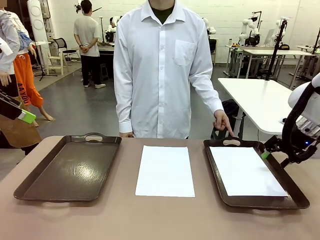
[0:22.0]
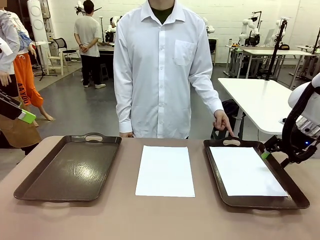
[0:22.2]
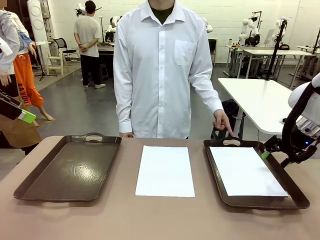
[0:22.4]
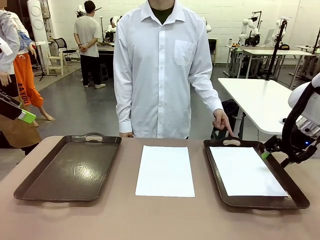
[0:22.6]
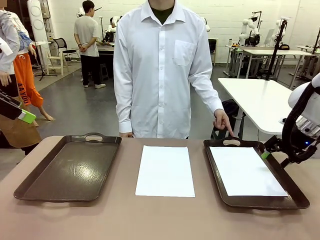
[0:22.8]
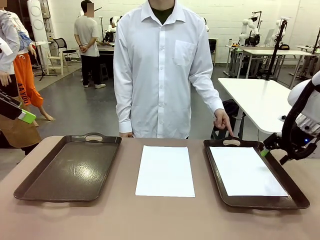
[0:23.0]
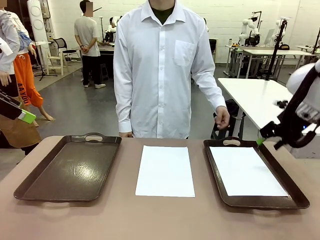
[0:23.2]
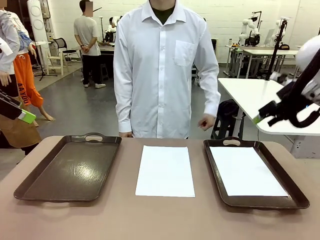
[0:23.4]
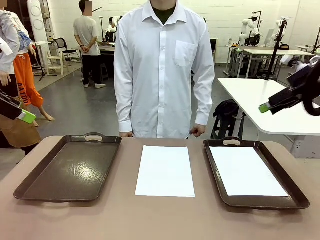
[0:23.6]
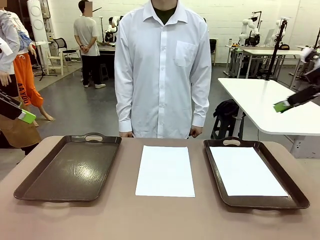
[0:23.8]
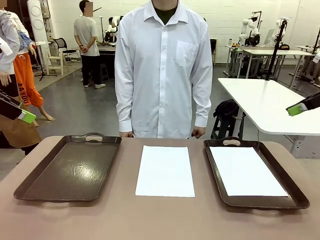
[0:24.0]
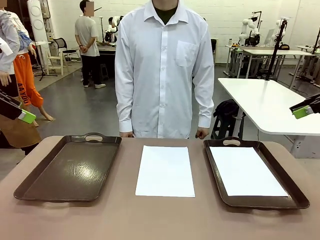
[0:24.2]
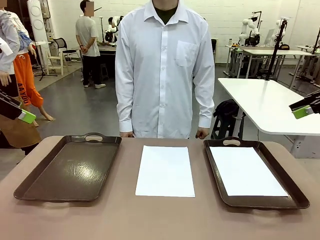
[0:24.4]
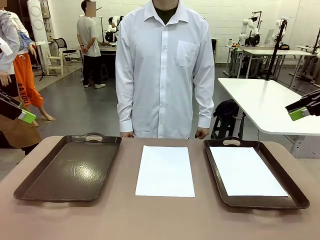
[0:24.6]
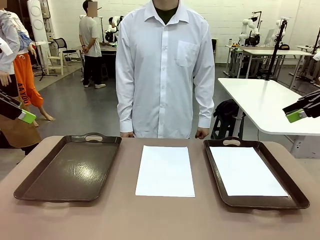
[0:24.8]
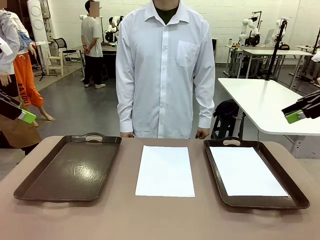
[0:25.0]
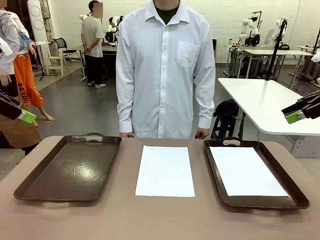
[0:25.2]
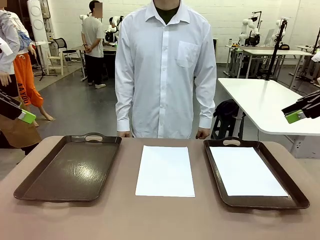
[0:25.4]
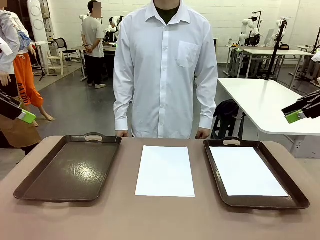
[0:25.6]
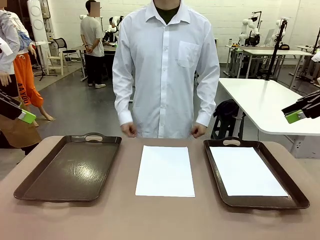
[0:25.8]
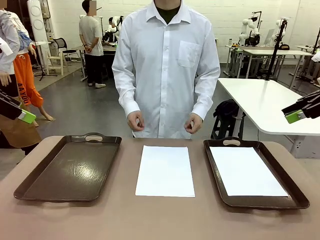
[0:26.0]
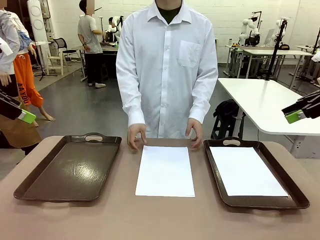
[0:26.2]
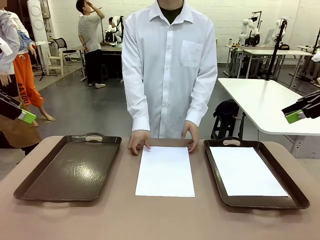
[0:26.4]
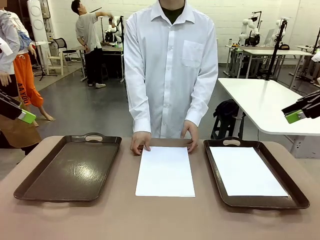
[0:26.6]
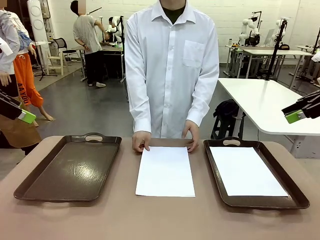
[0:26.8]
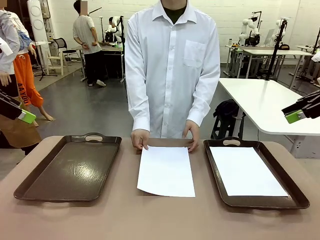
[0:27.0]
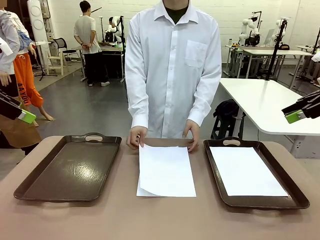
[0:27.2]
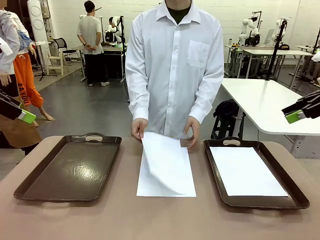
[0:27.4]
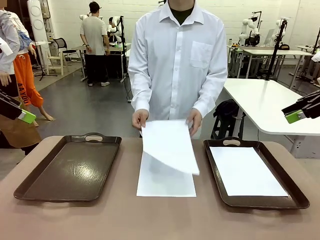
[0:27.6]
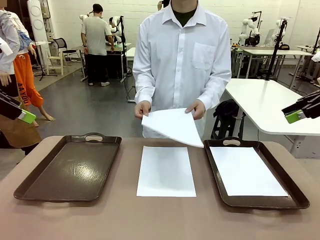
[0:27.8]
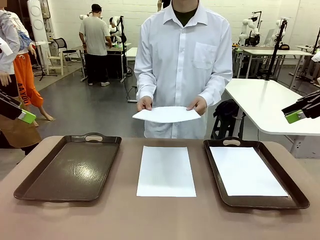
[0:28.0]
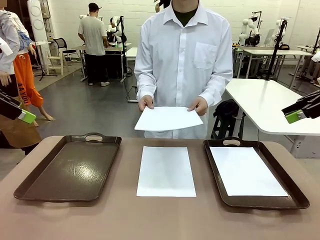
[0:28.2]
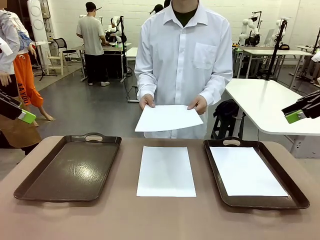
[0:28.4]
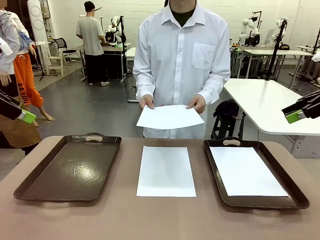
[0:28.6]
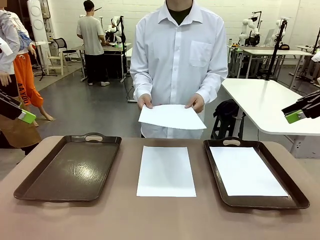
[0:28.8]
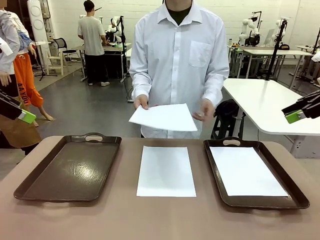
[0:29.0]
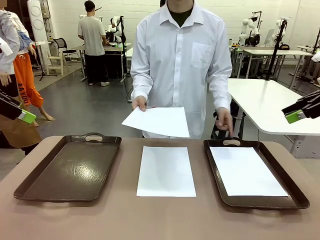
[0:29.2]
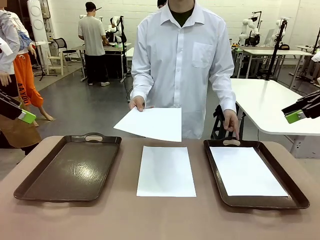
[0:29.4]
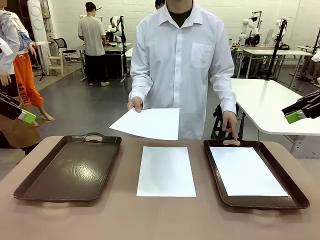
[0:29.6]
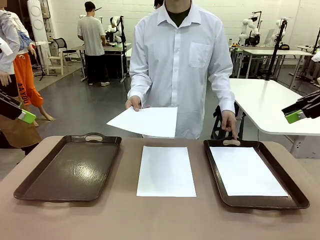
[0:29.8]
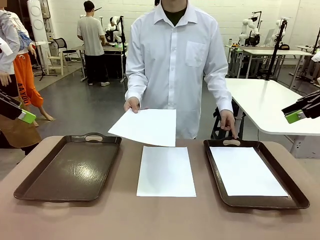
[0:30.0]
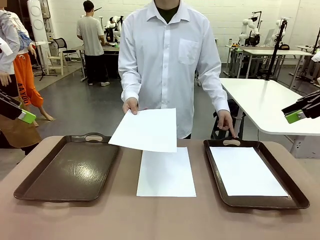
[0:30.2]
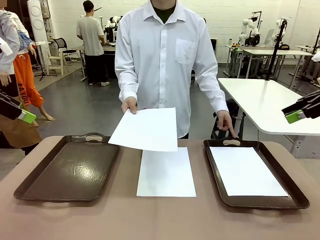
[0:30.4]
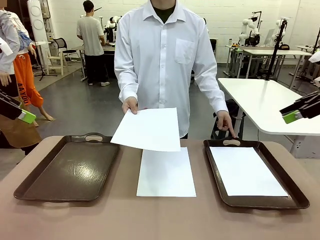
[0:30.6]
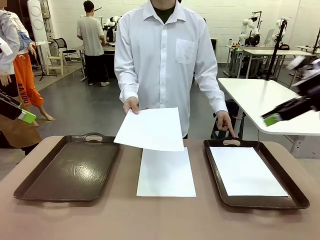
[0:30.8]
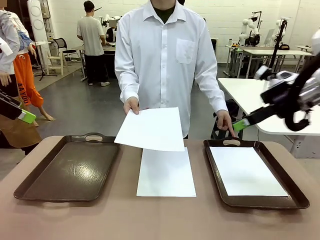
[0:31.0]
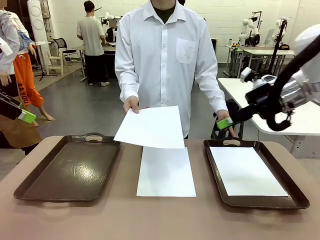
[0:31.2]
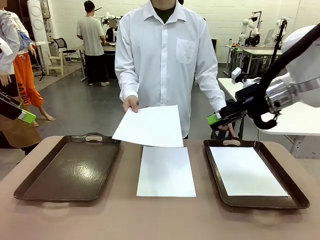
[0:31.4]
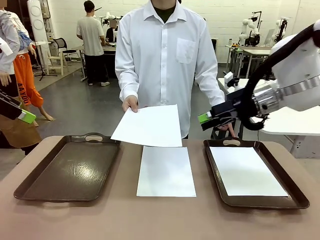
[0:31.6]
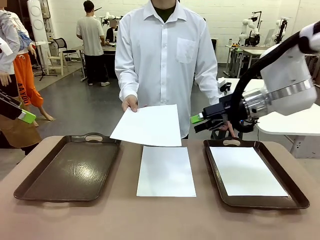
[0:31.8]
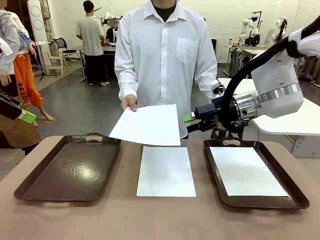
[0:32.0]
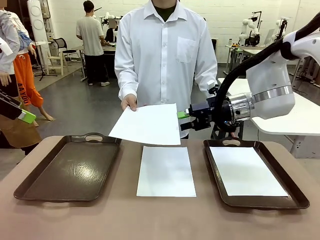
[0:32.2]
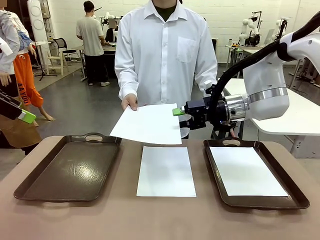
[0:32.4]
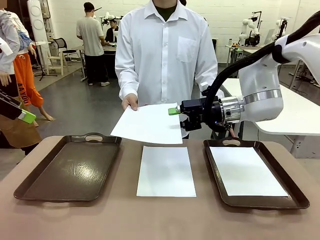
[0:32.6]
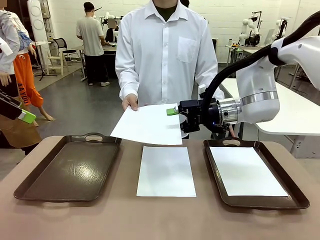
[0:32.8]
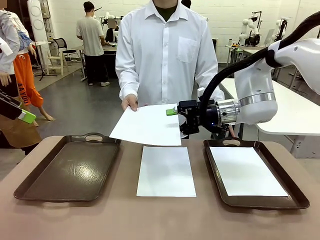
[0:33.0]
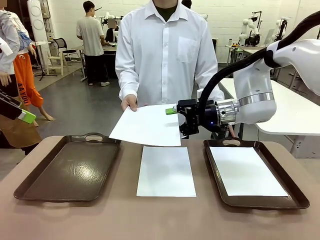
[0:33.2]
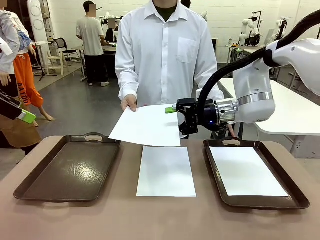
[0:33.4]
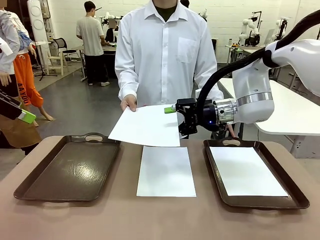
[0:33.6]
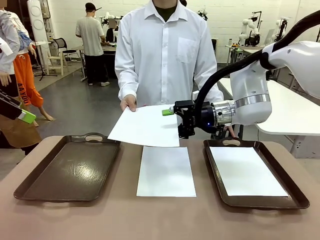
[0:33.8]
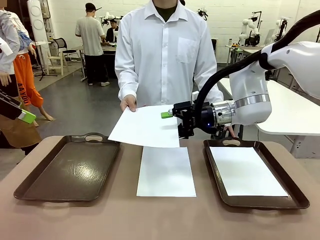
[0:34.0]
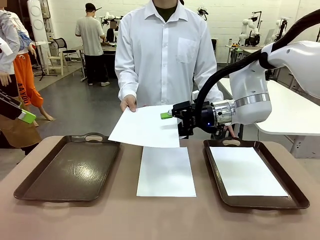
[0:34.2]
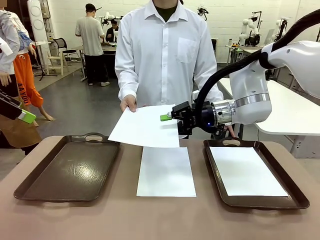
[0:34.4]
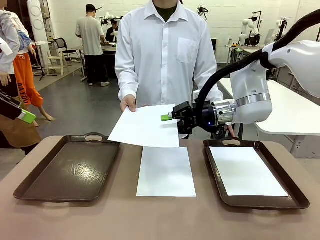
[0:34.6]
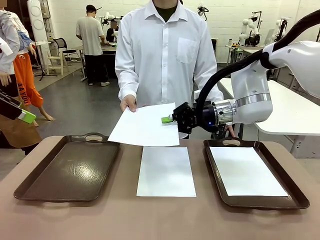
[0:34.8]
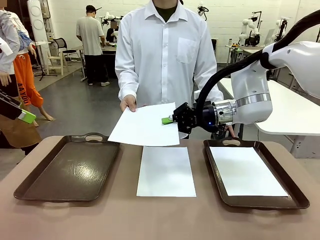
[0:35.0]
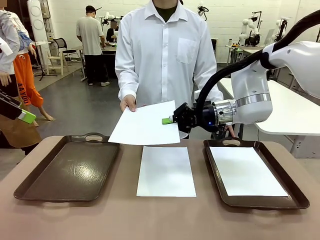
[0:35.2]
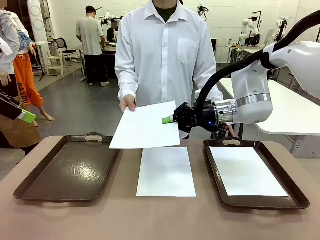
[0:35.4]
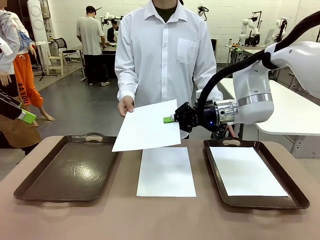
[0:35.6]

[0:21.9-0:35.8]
Task: Sort the A4 documents.
Robot: Receive the A4 Paper.
Person: Point the randomly selected tray with the other hand.

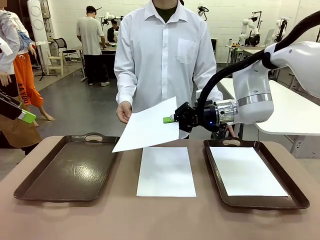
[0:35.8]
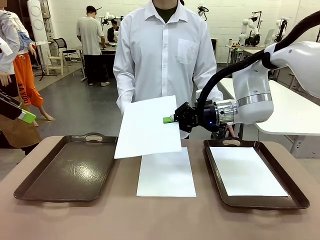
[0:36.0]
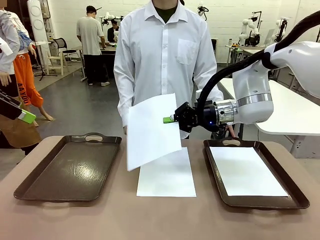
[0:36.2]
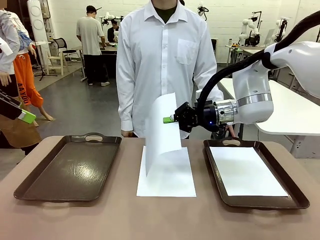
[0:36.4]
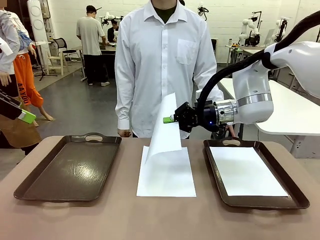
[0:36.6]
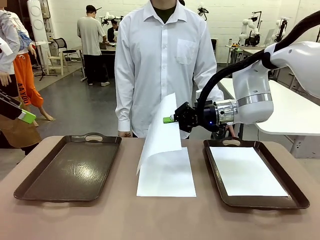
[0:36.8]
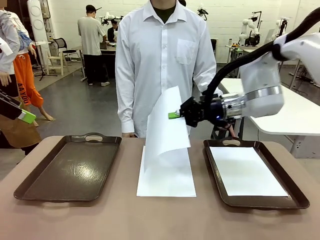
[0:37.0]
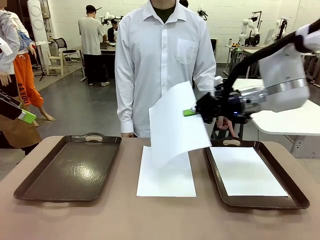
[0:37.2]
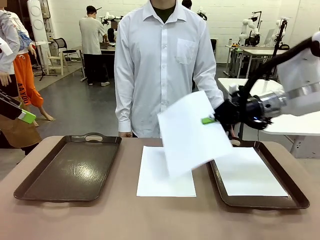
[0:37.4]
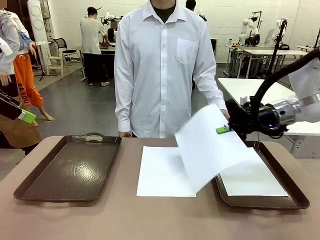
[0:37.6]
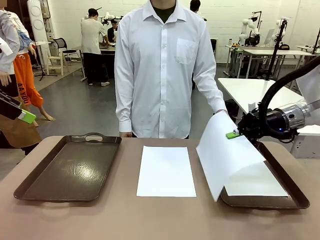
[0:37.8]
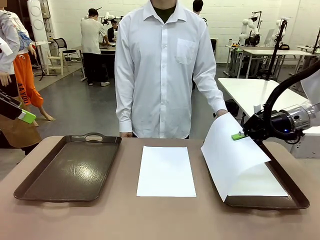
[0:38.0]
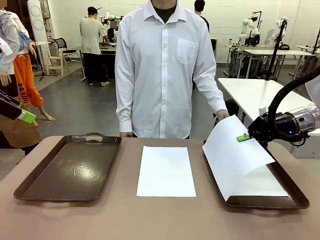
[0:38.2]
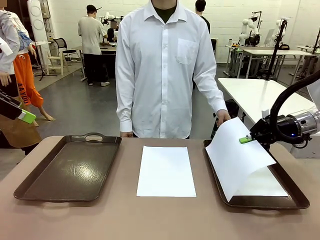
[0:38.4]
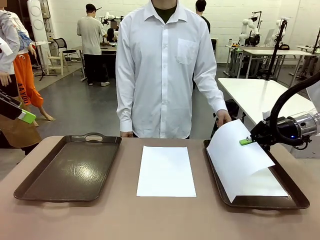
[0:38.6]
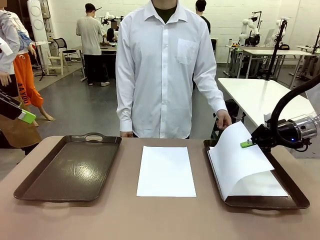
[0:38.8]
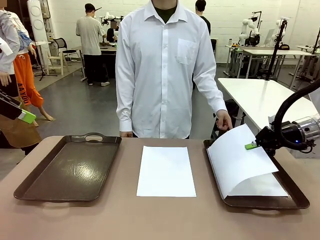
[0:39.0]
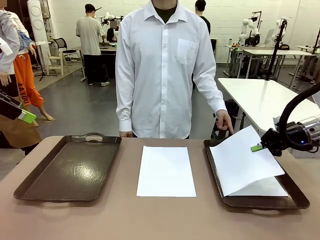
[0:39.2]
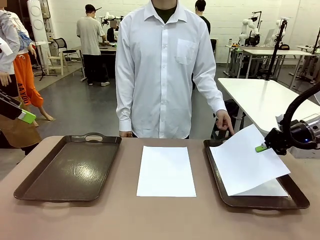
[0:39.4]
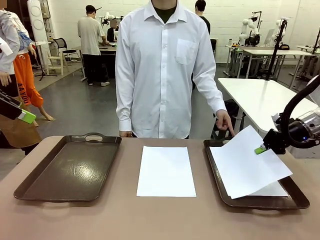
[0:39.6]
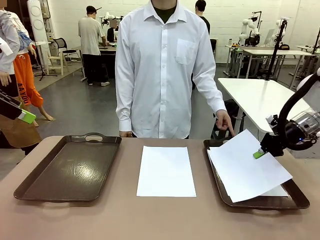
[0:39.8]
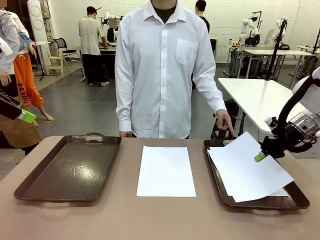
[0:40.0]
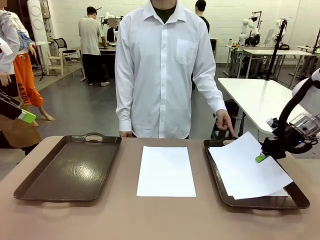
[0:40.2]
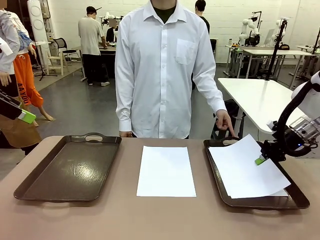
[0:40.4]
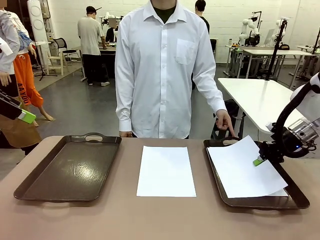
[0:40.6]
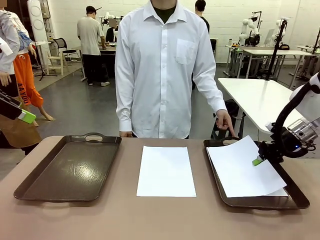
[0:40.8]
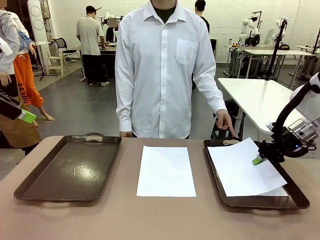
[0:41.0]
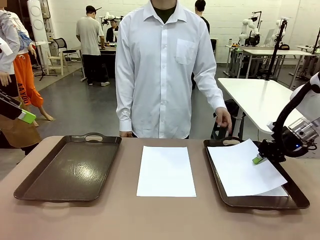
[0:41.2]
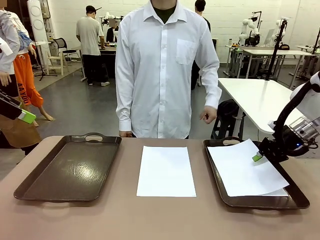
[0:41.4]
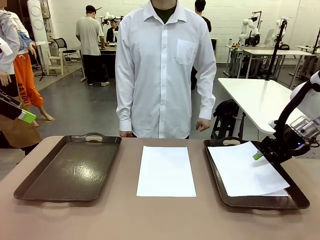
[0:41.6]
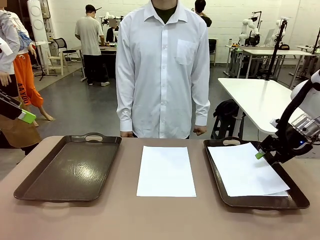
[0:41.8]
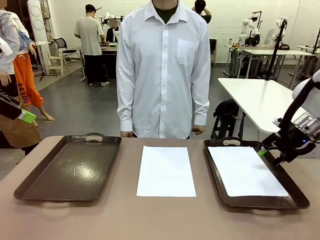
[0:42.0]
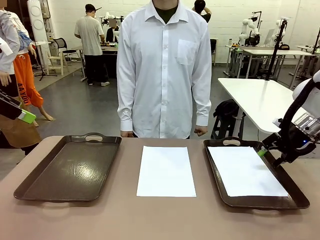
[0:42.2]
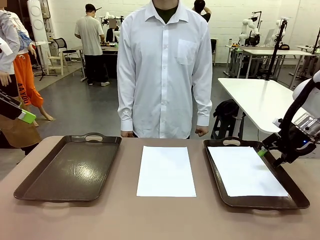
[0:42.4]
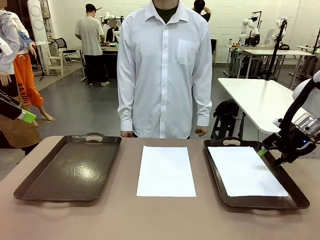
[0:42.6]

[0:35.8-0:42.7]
Robot: Place the A4 Paper in the designated Handle tray.
